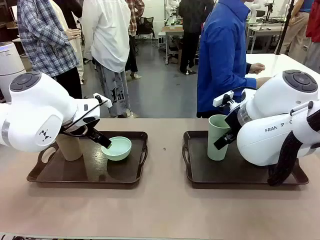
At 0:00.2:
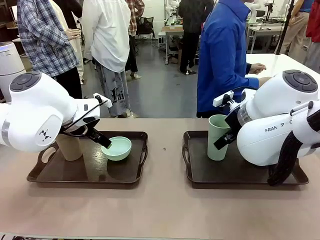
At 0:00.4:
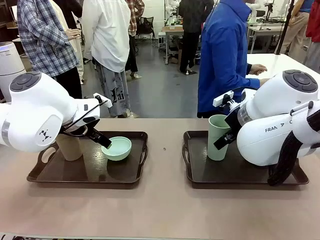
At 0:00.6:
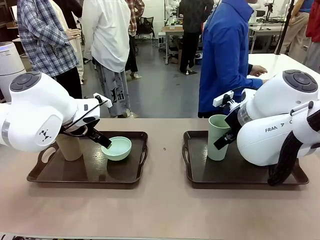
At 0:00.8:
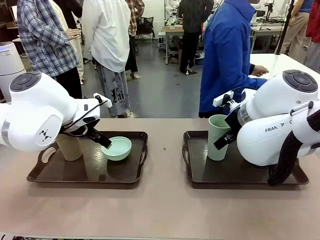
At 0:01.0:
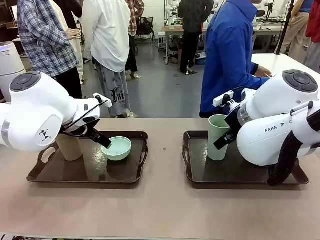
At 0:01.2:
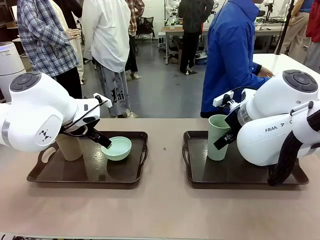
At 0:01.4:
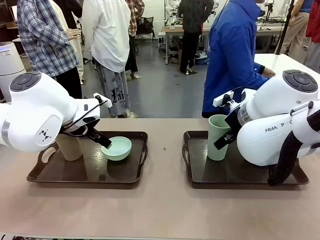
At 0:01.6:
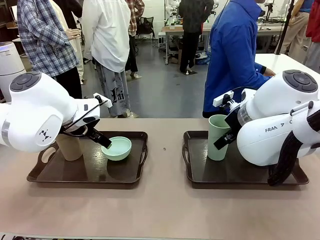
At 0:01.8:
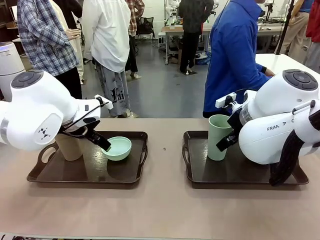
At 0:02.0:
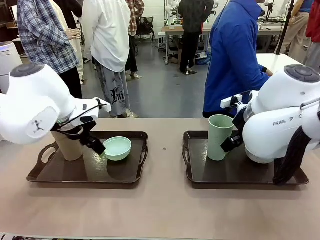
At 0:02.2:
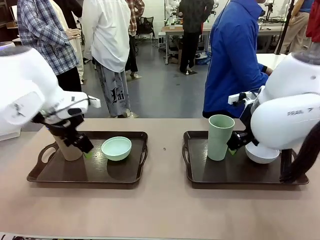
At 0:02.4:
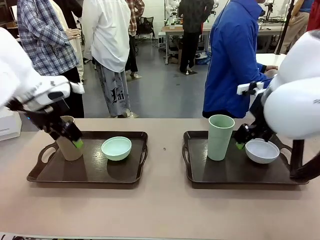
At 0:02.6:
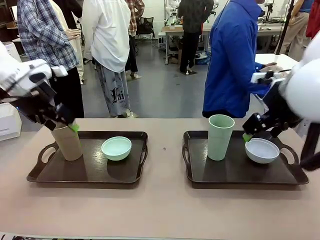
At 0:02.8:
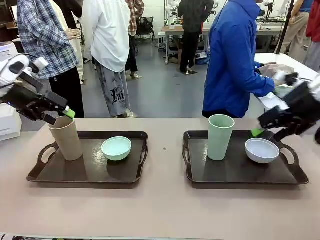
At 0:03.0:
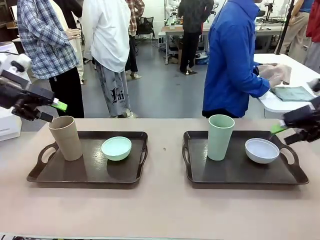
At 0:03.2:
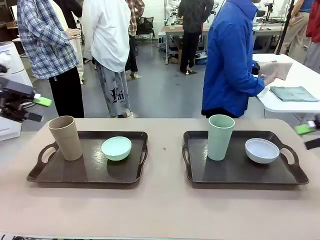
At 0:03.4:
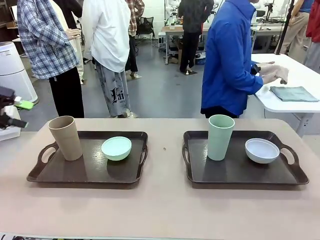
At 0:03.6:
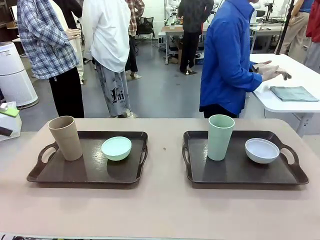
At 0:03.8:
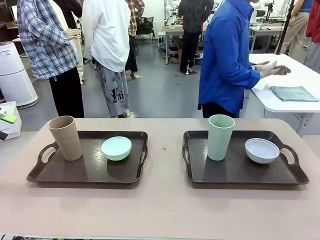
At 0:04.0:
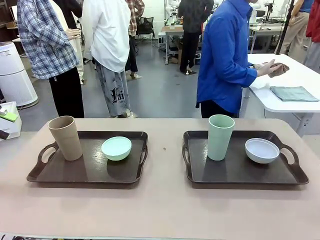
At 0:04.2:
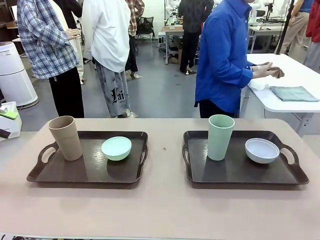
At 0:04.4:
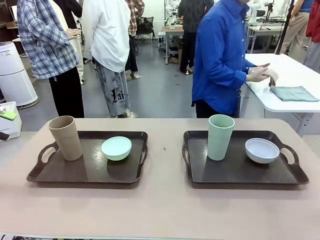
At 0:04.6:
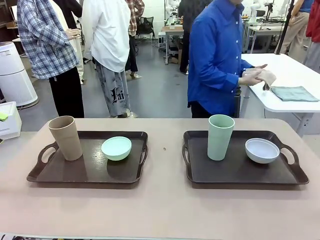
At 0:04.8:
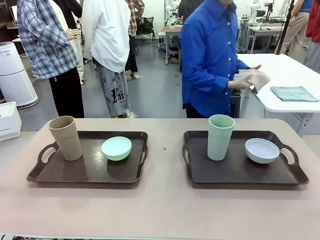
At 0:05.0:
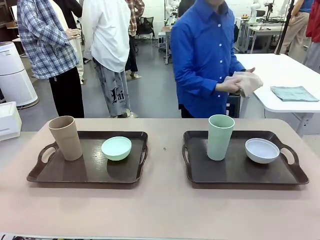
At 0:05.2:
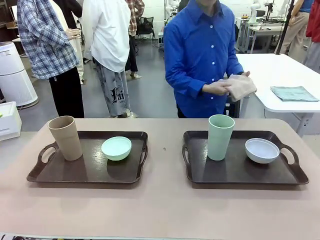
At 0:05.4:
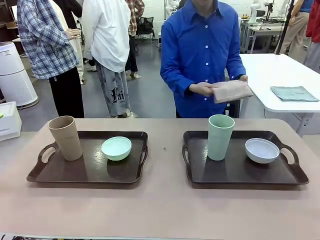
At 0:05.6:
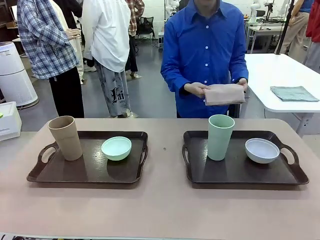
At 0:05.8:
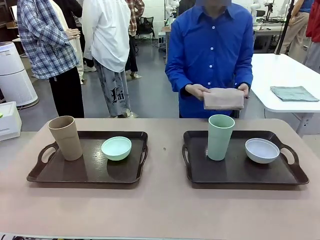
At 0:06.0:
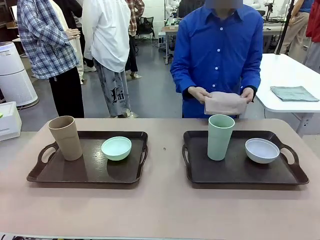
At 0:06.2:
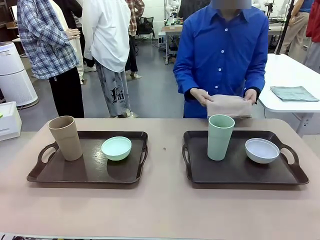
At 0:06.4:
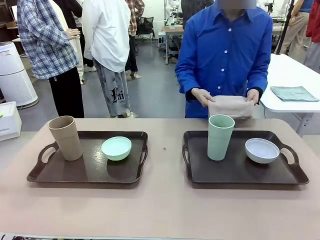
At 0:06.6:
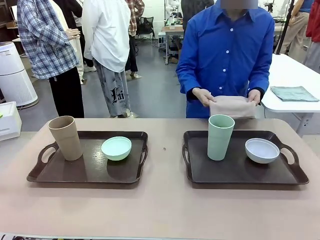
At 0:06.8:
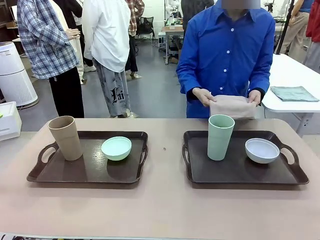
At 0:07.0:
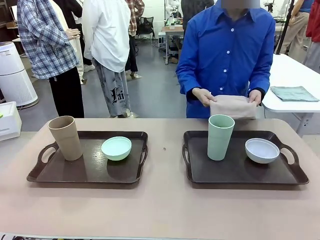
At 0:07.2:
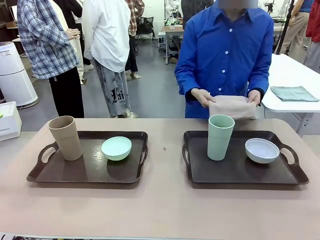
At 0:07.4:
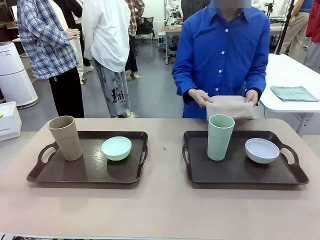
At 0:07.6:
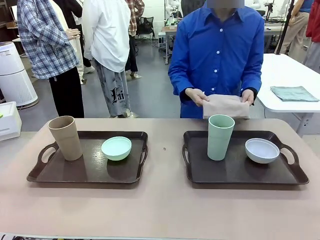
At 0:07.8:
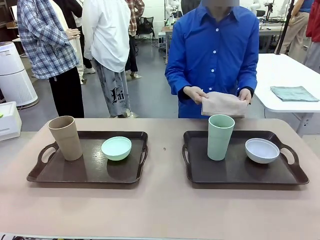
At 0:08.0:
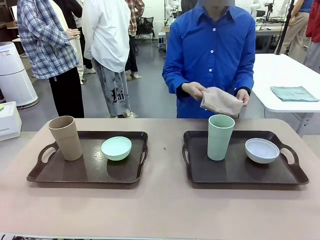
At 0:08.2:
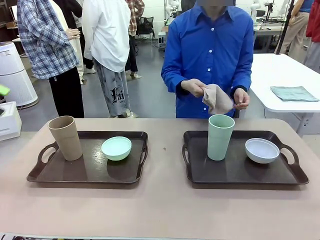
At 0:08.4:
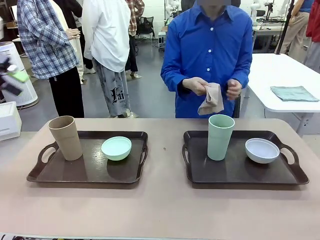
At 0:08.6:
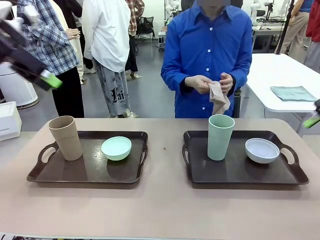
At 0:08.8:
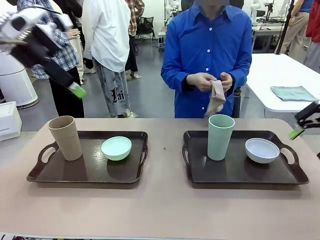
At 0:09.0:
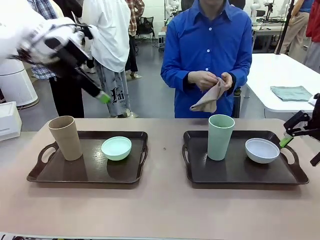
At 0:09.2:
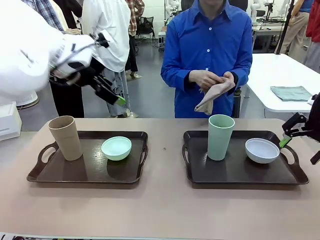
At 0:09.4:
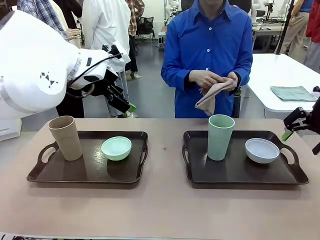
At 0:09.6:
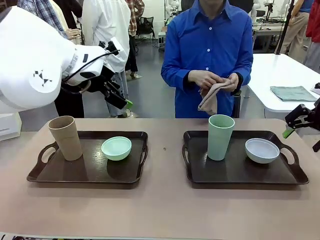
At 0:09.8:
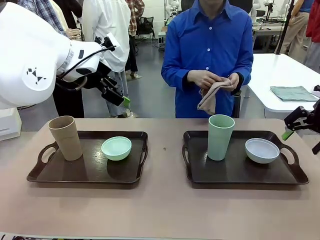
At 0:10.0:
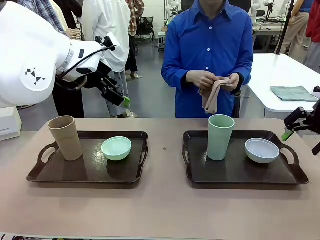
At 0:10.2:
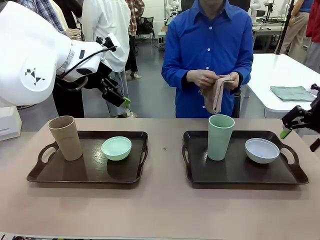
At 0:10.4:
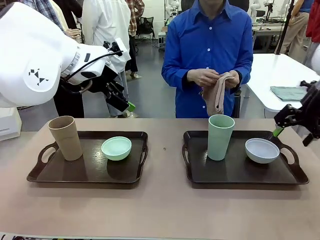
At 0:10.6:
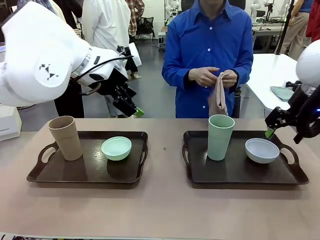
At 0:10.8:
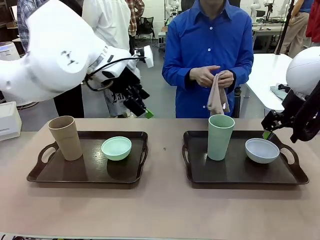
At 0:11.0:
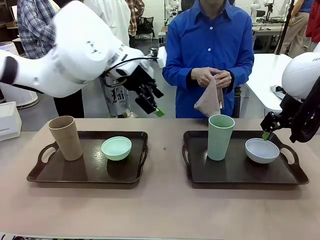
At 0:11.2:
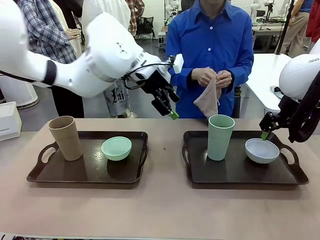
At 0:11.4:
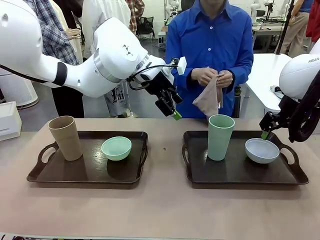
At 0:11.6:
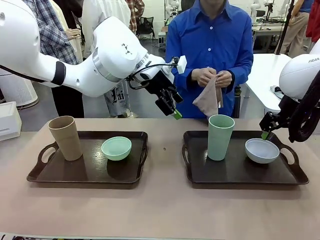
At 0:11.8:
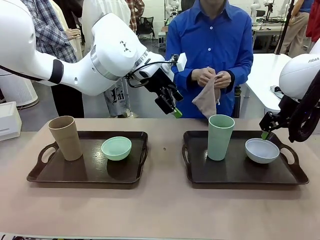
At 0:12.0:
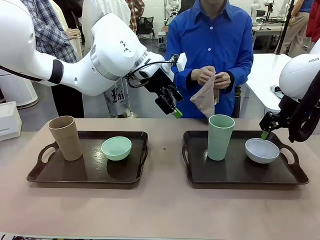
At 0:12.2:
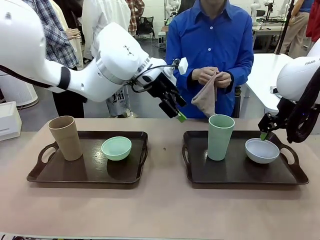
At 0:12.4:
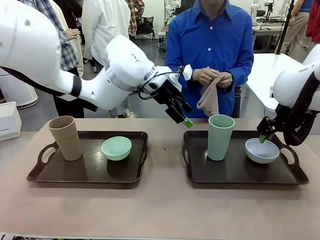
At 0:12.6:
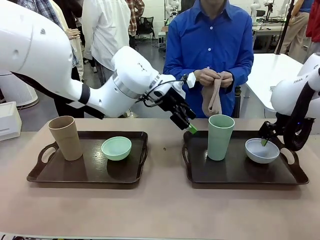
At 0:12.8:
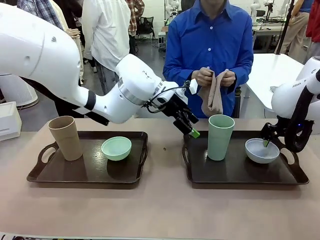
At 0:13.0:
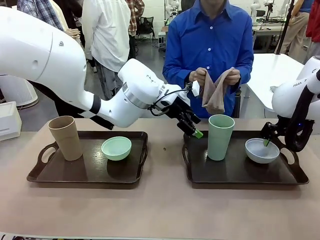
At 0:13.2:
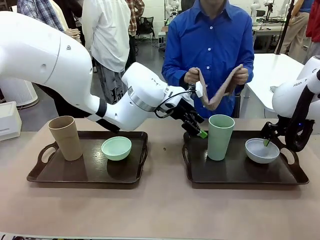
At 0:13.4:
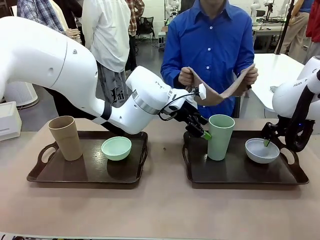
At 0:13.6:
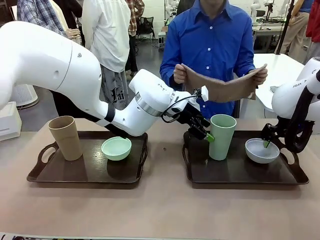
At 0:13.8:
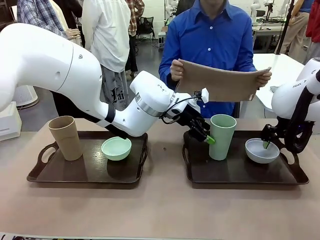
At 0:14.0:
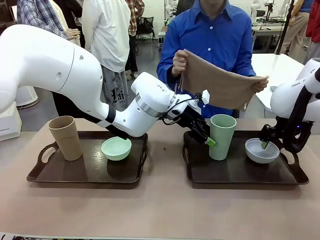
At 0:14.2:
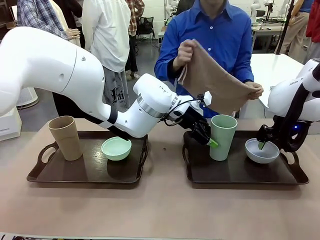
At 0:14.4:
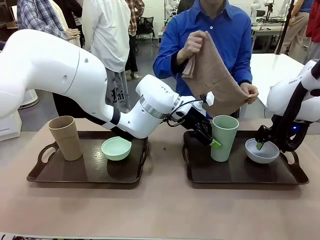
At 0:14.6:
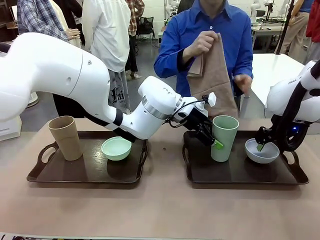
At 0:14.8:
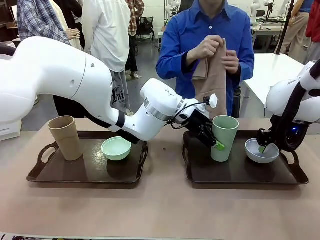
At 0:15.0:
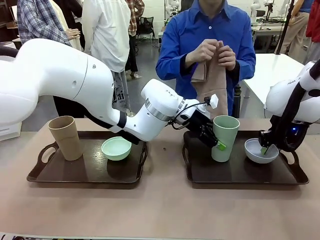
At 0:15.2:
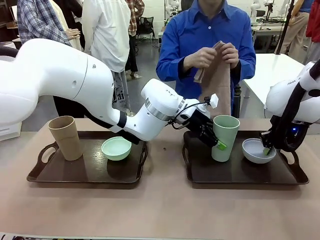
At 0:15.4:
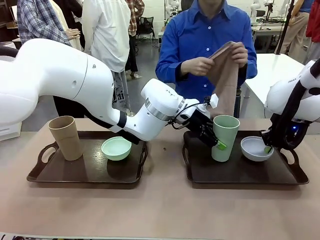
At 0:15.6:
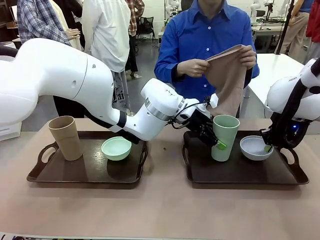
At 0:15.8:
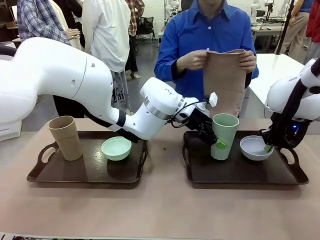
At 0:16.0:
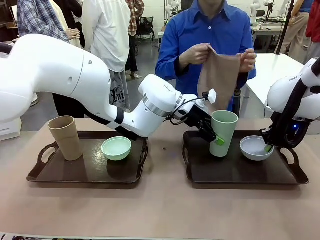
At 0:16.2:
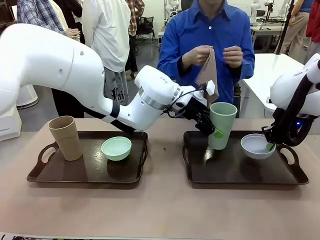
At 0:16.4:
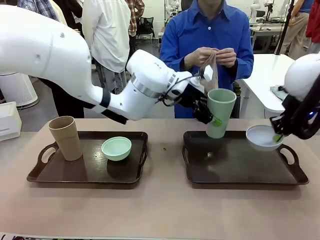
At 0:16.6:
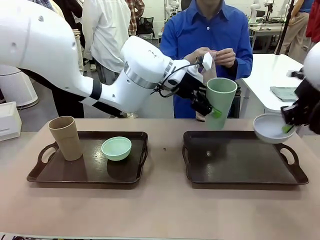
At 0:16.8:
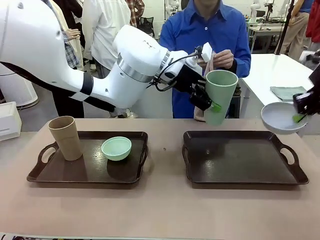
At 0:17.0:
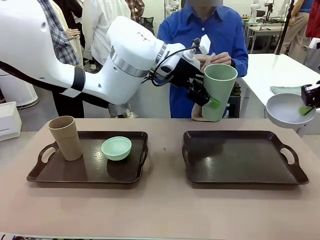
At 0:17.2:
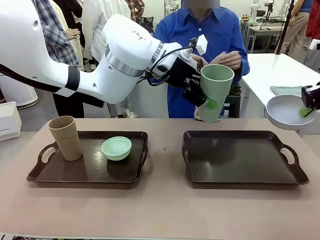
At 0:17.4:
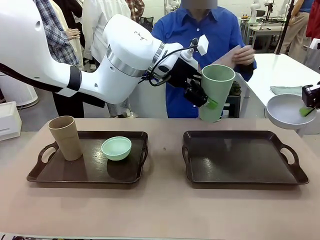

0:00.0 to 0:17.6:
Robot: Pick up the Picnic Bowl and Reusable plastic cup from the Handle tray in front of the human's position and hold them in the air.
Person: The human picks up the top napkin from the stack on the human table and walks to the robot table to stand in front of one of the two trays. When the robot lifts the bowl and the cup, the human unfolds the napkin and lays the napkin flat on the tray.
